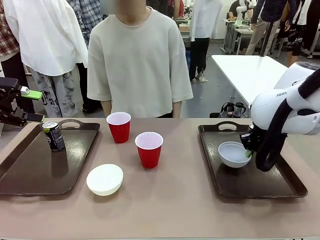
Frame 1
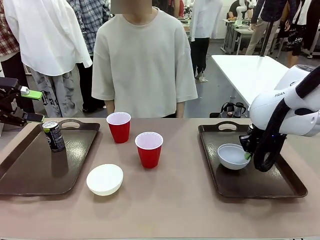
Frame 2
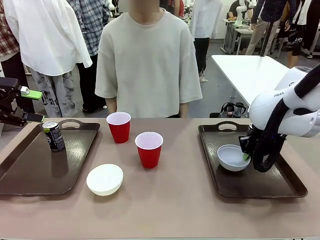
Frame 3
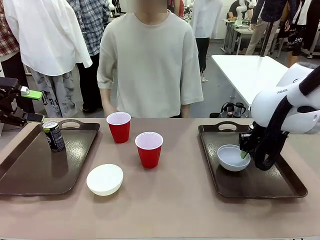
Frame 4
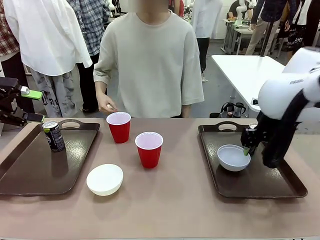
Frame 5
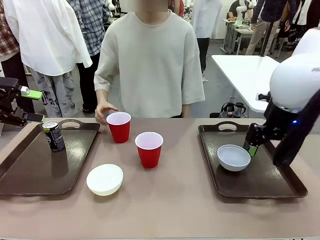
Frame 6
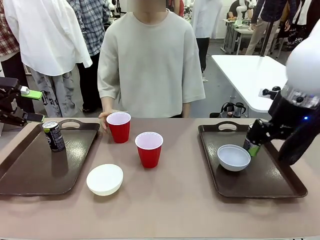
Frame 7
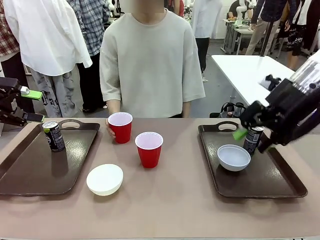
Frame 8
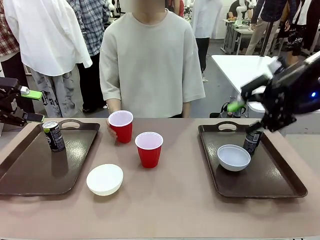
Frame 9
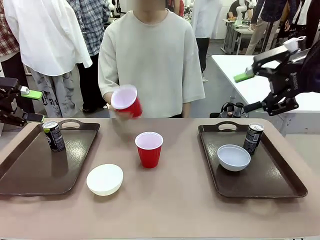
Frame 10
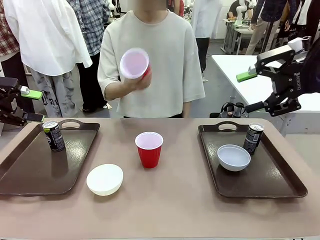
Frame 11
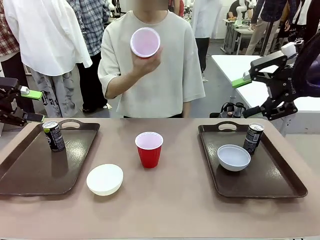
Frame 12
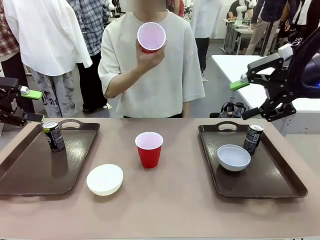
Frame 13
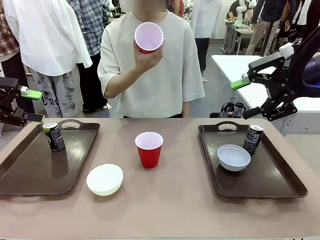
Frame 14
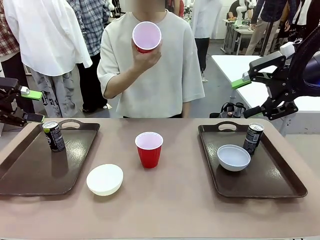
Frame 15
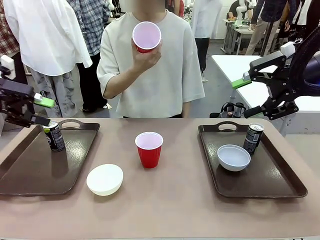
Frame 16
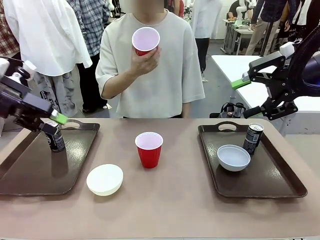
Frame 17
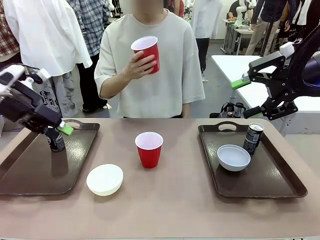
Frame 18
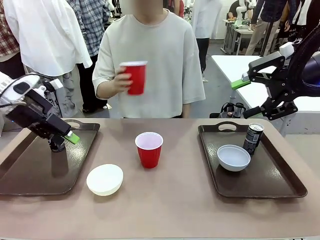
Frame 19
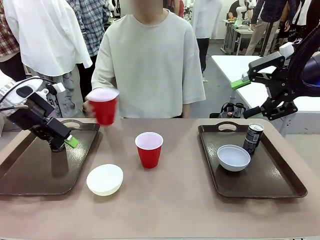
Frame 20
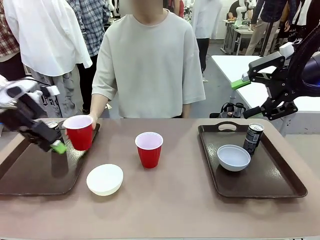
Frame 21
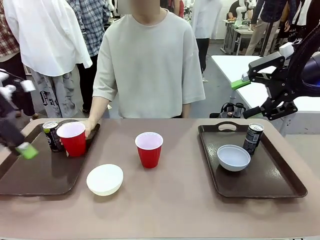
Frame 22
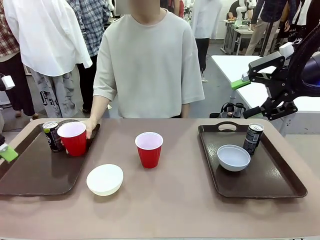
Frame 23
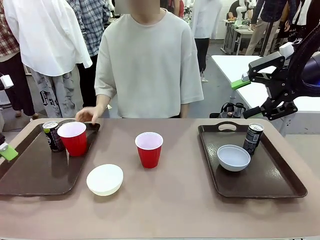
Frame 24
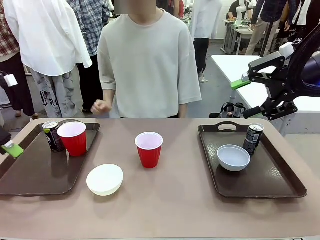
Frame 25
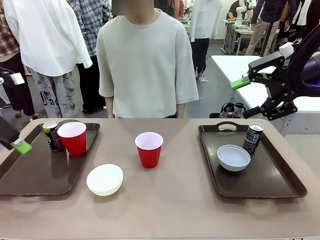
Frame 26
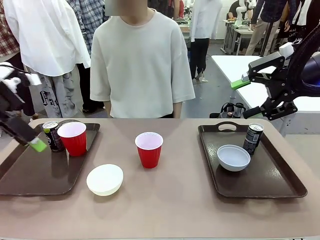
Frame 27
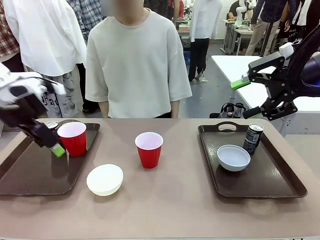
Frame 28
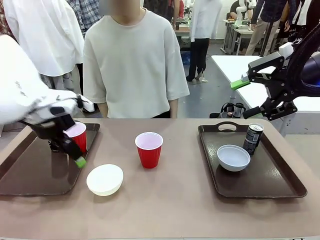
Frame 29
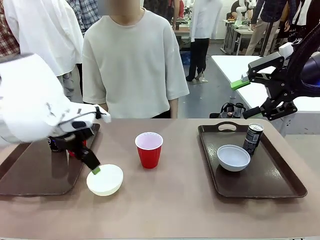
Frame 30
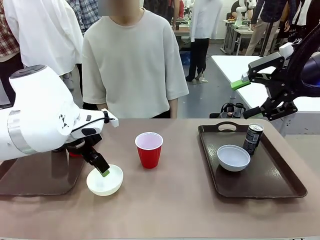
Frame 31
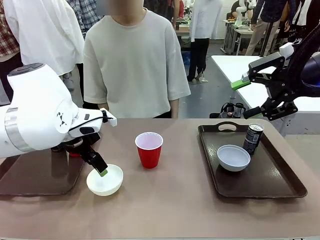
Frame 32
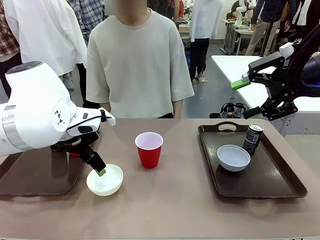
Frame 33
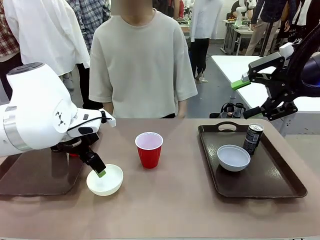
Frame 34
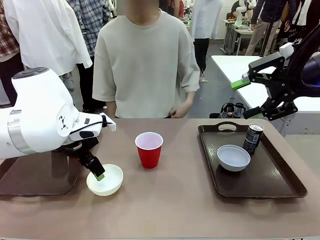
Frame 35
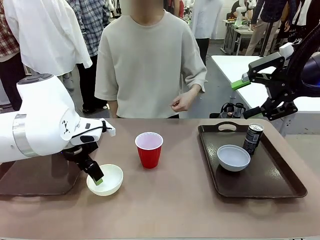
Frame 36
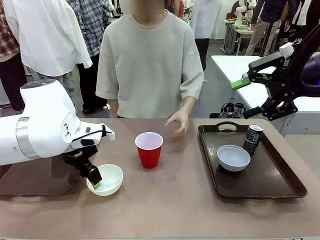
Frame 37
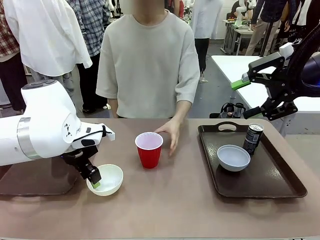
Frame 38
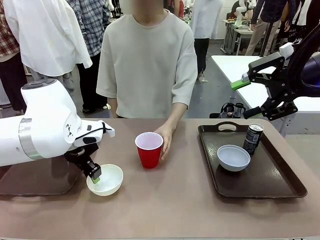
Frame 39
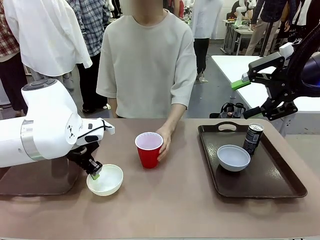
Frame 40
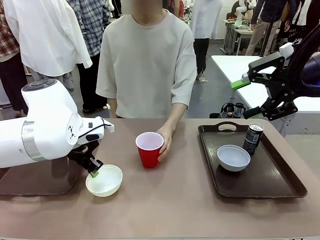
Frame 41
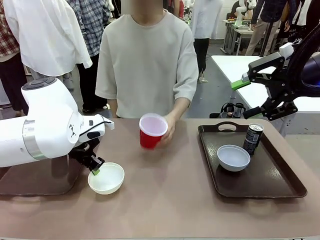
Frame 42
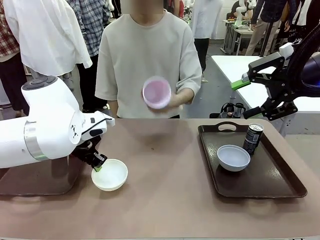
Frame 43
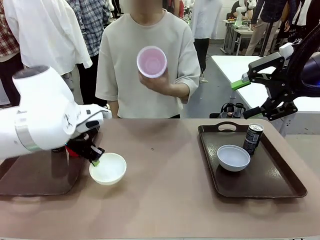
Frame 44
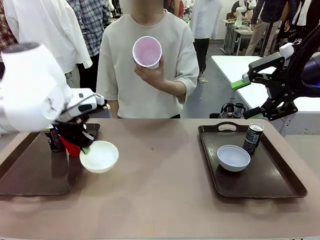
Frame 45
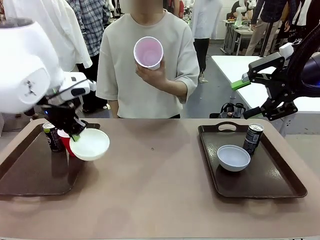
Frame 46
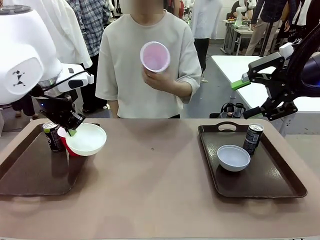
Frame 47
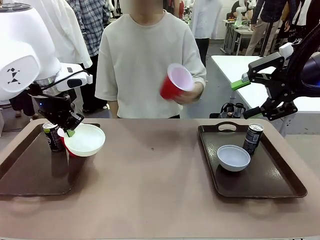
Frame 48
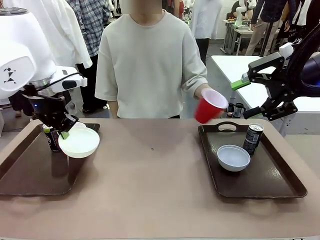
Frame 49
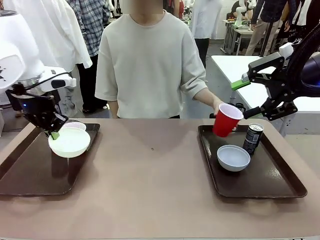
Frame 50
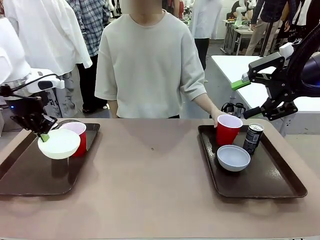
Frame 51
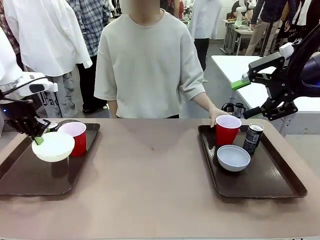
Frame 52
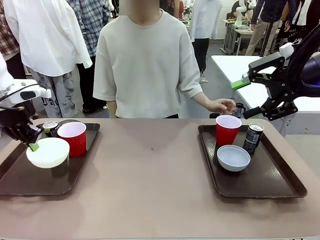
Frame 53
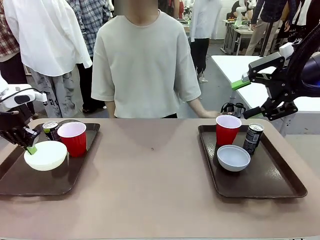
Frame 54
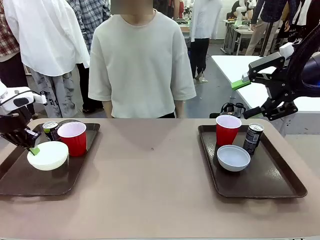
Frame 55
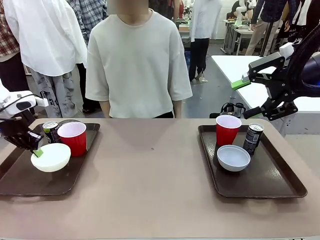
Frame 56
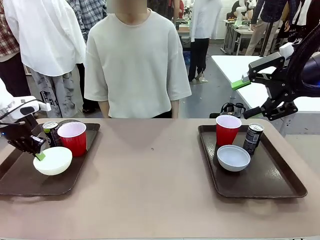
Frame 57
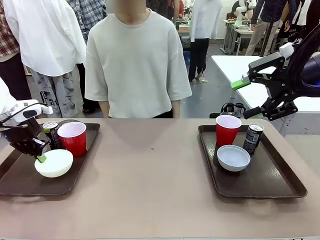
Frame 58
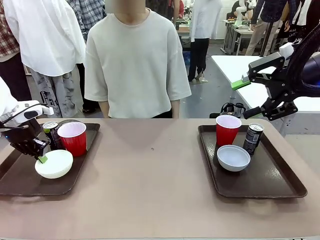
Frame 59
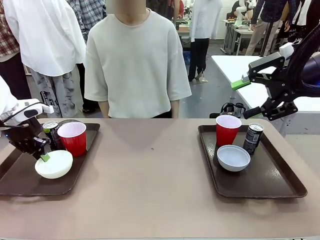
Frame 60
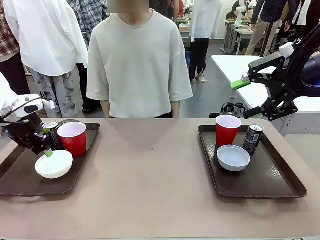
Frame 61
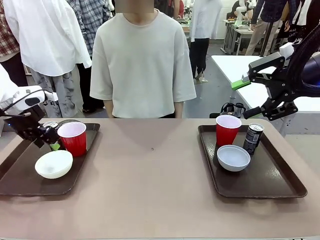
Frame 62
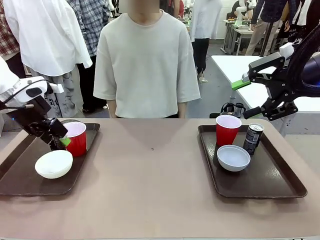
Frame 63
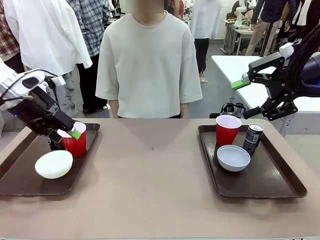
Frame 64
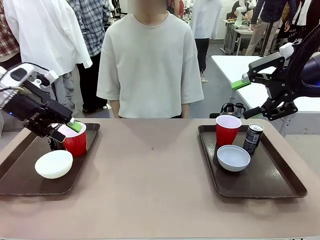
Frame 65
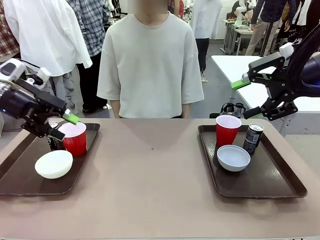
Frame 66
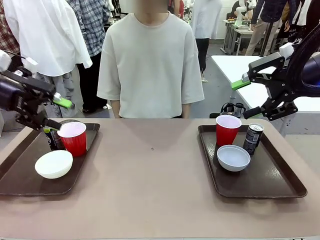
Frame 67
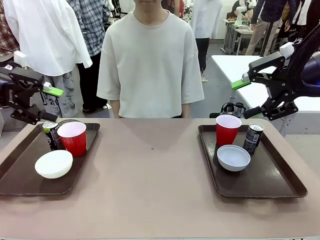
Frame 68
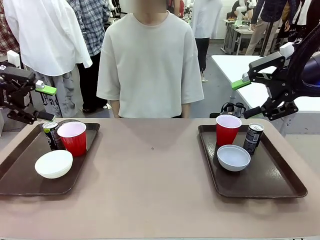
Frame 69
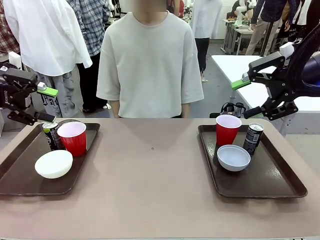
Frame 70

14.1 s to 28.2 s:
Task: Prepare tableware on both trays.
Robot: Pick up a Picnic Bowl from the table and place it on a Handle tray.
Person: Pick up a can or cup and place it on the tray without a can or cup.
